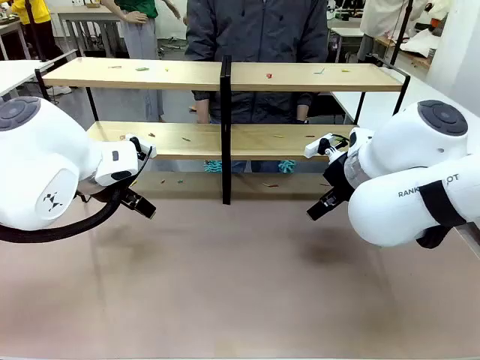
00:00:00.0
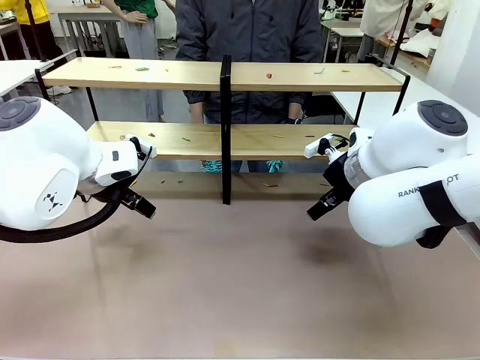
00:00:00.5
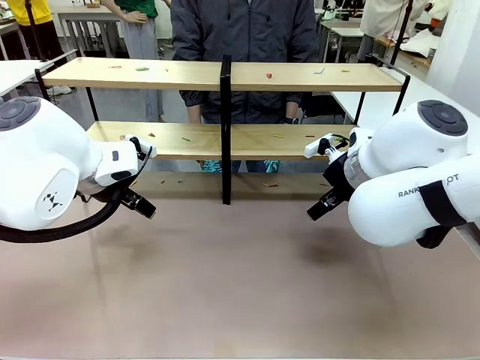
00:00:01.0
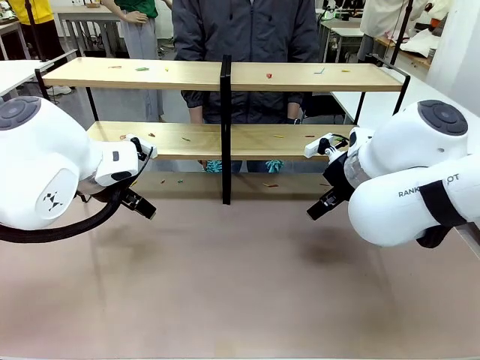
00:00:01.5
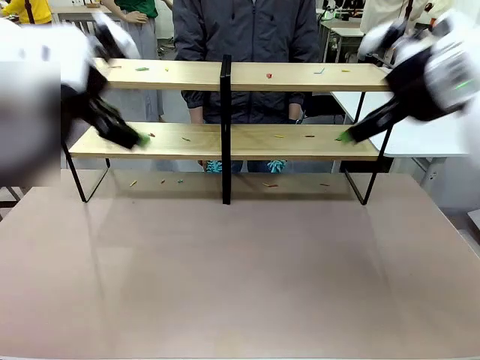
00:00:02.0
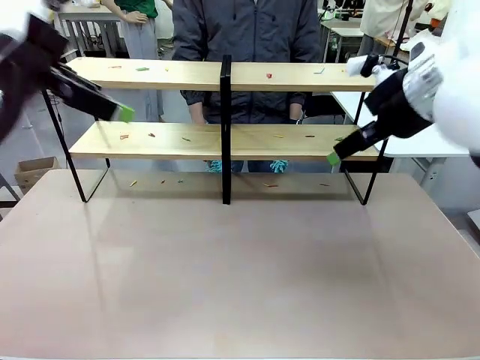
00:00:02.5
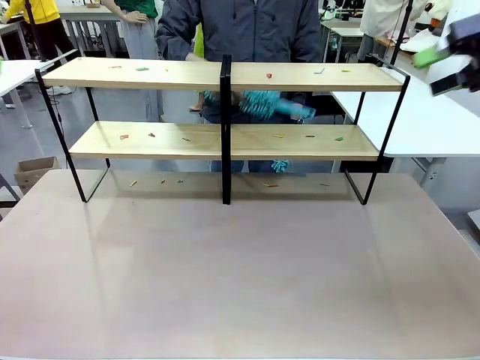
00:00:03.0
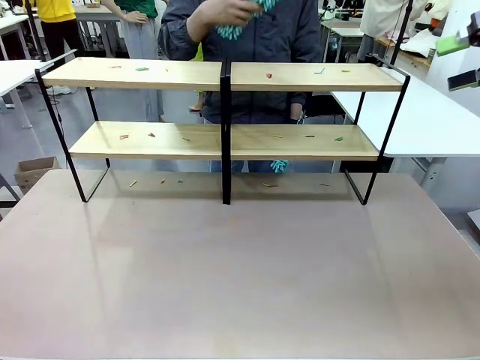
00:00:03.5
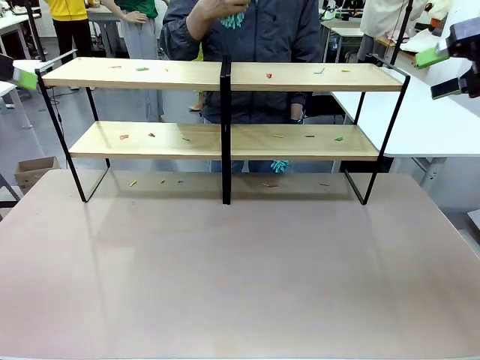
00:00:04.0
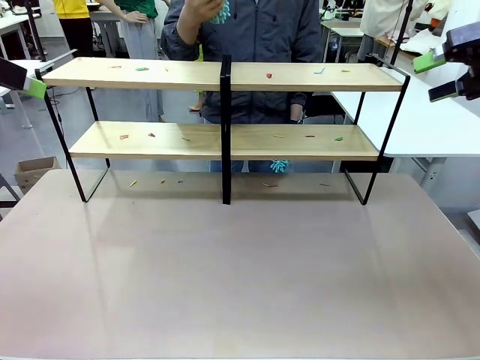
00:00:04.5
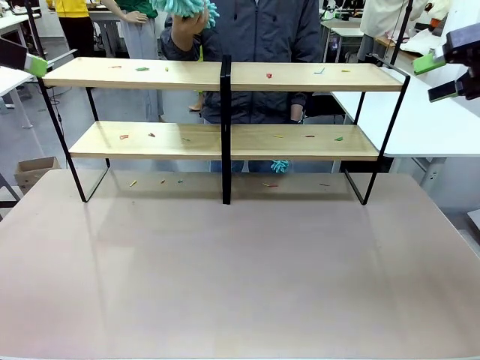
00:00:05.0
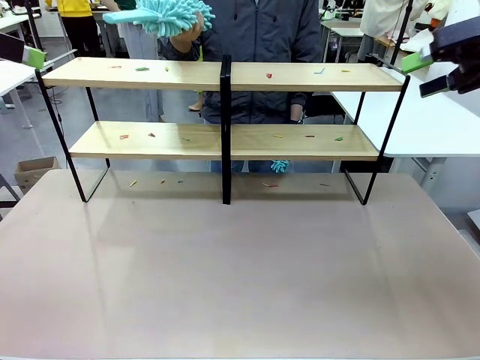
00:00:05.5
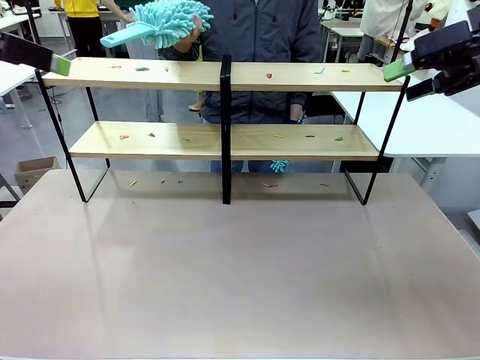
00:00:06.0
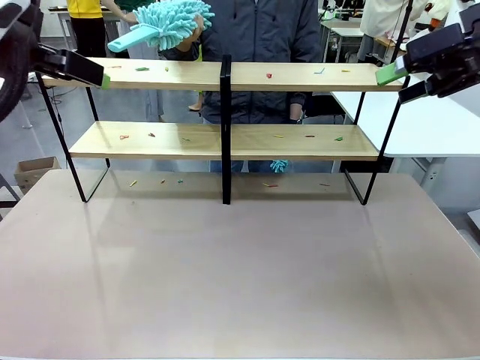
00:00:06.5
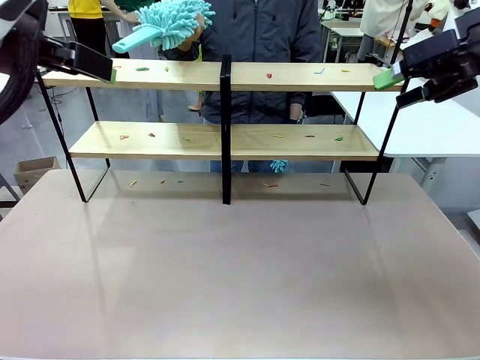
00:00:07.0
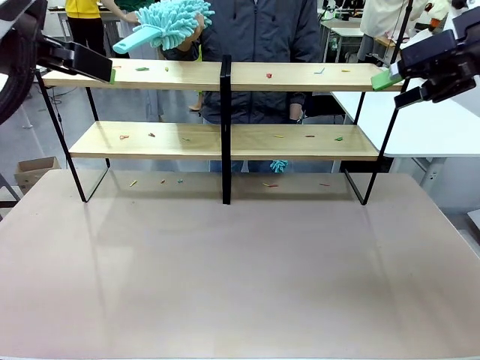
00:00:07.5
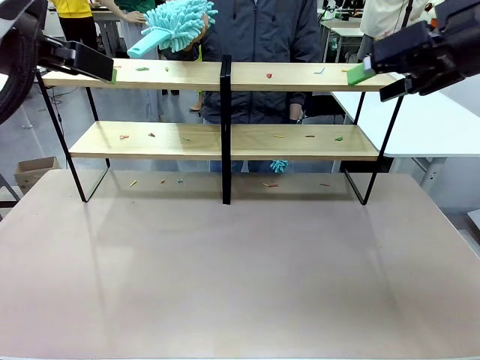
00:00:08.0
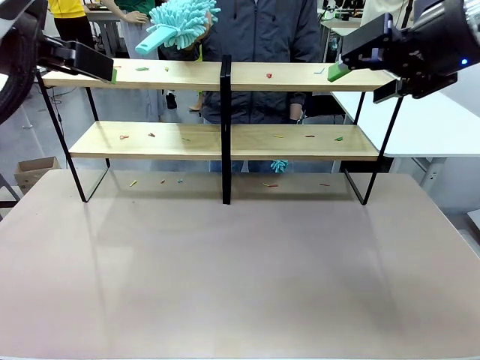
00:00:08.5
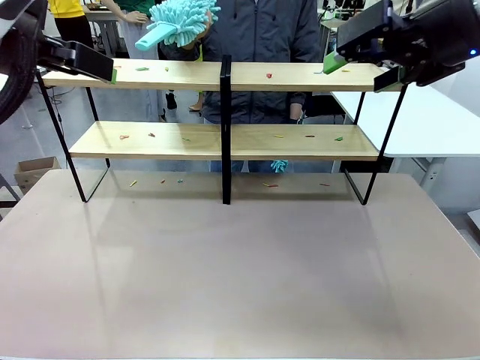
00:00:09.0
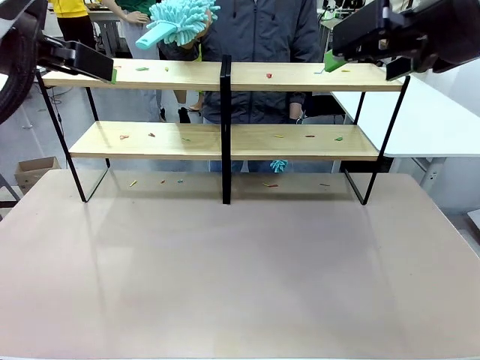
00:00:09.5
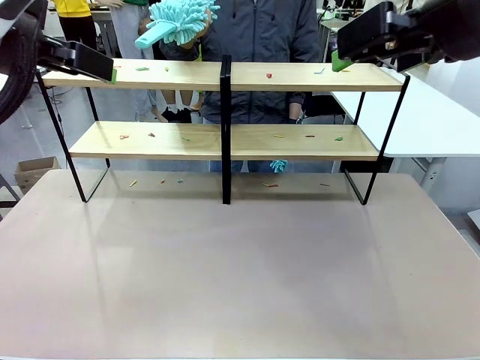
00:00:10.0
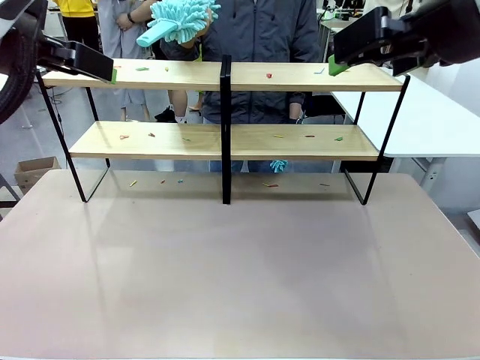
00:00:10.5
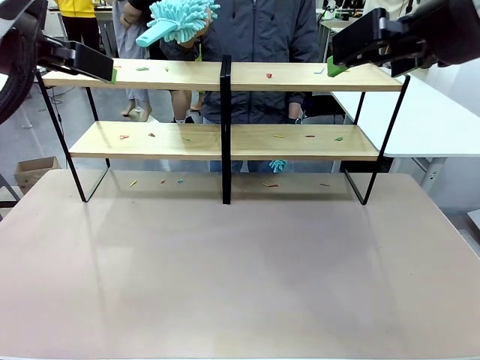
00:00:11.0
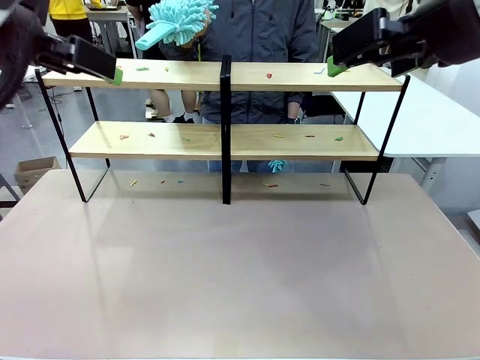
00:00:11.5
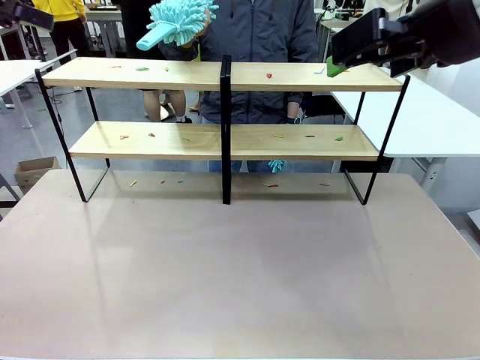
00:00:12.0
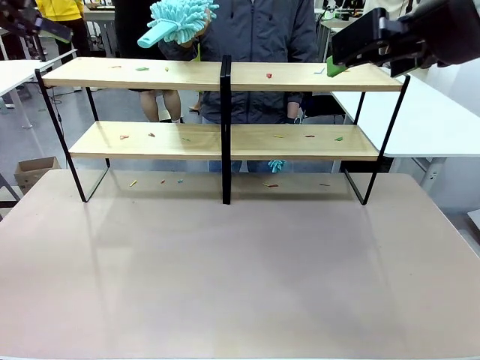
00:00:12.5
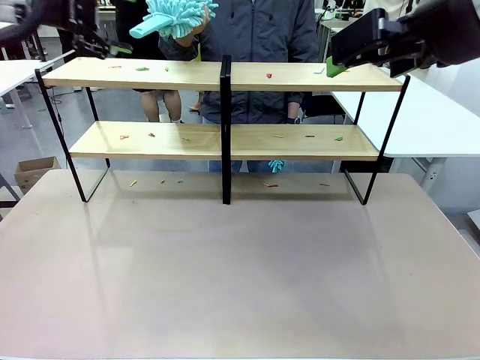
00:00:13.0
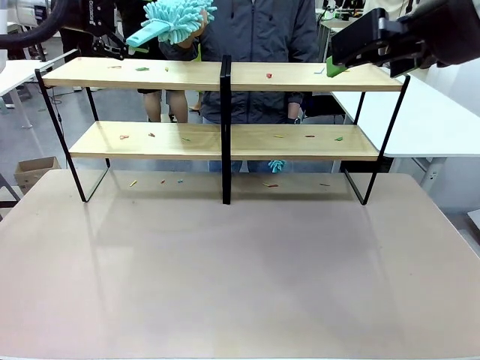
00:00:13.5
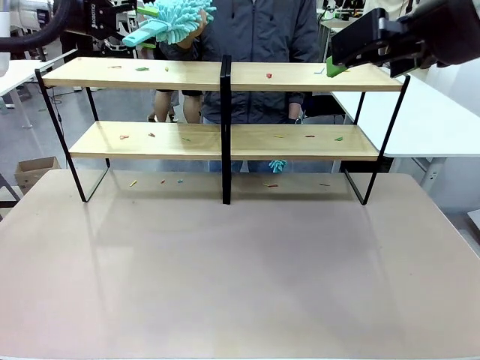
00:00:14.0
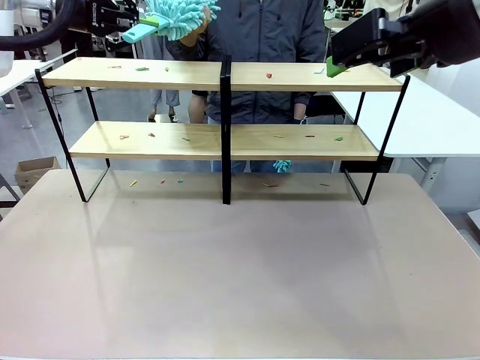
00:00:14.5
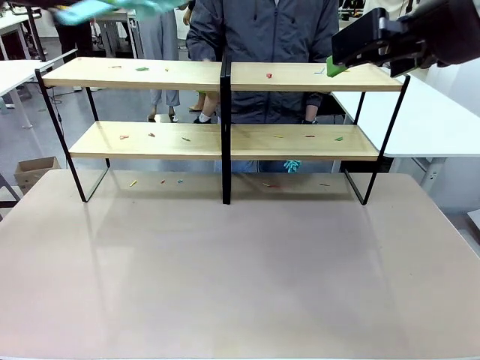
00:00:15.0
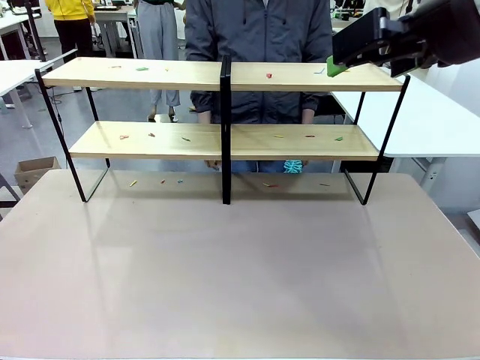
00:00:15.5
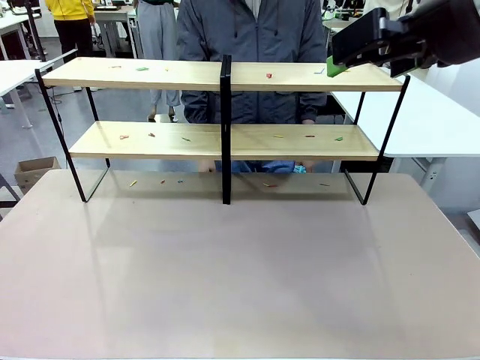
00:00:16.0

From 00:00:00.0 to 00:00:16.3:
Task: Clean the shelves.
Robot: Pick up the Duster when the human hands it over.
Person: Hand the Duster to the robot with your right (or left) hand.

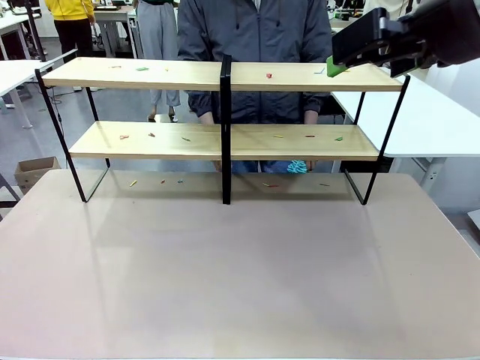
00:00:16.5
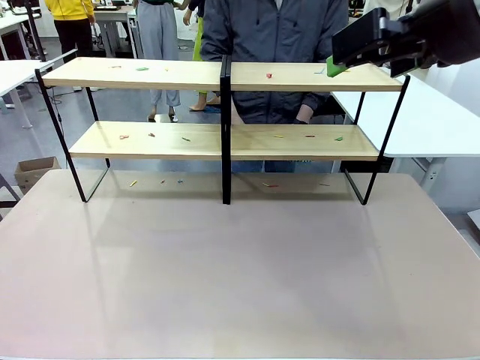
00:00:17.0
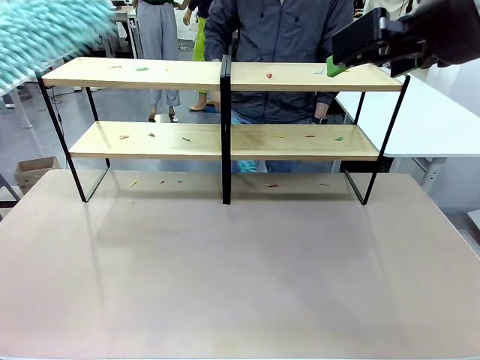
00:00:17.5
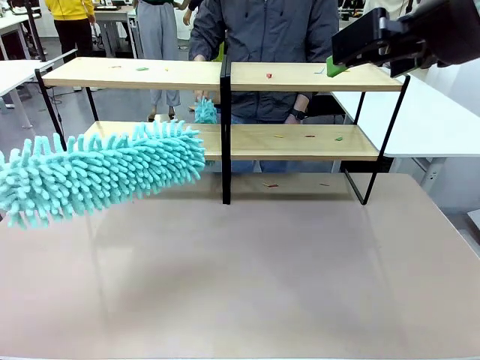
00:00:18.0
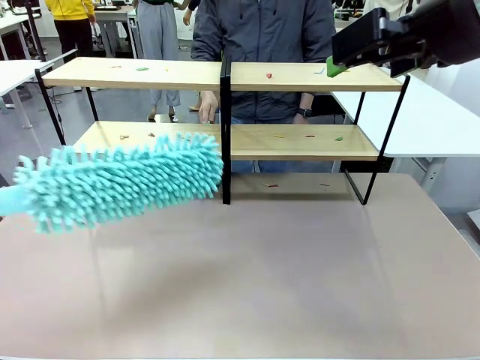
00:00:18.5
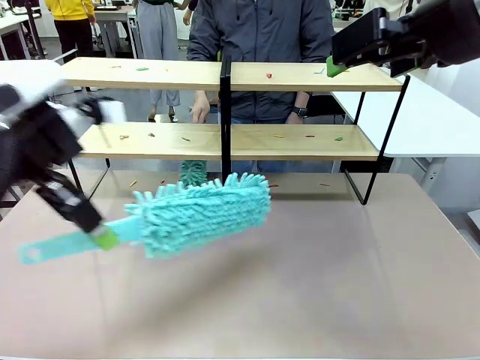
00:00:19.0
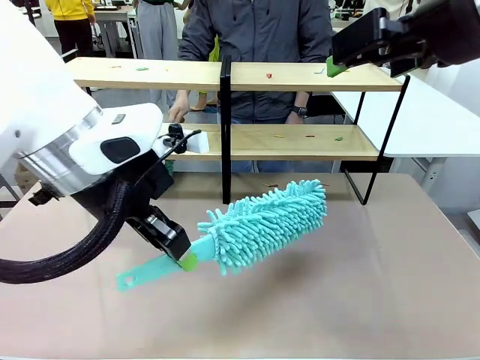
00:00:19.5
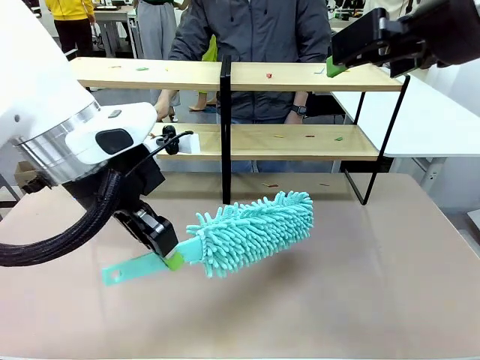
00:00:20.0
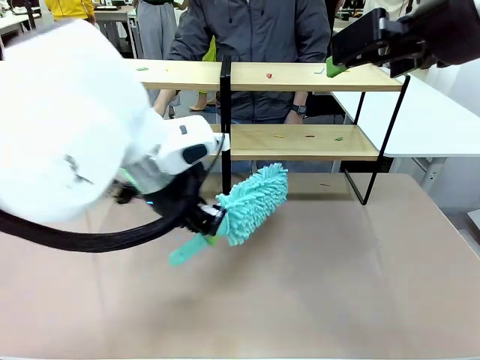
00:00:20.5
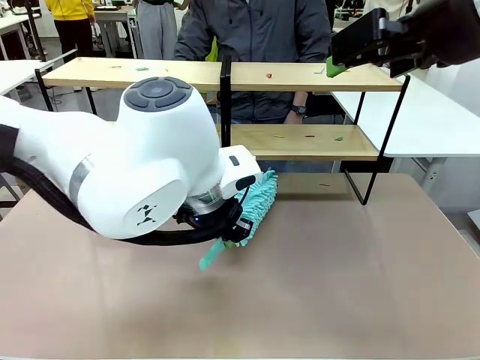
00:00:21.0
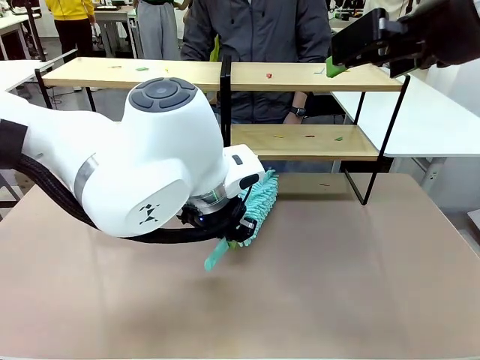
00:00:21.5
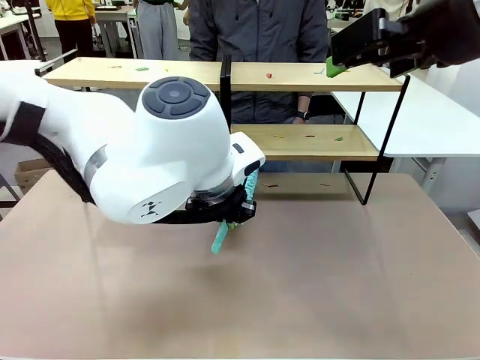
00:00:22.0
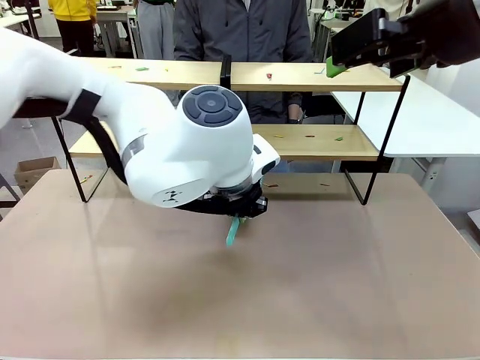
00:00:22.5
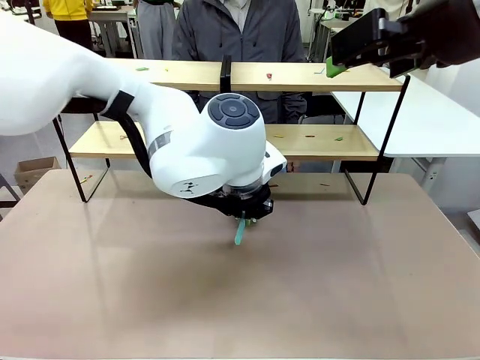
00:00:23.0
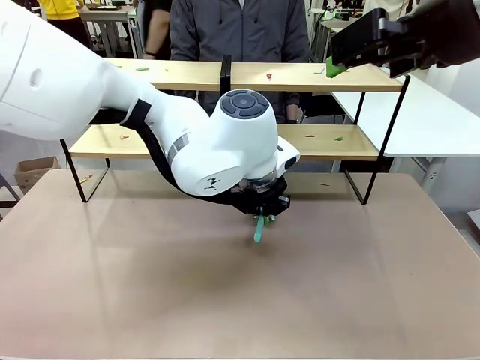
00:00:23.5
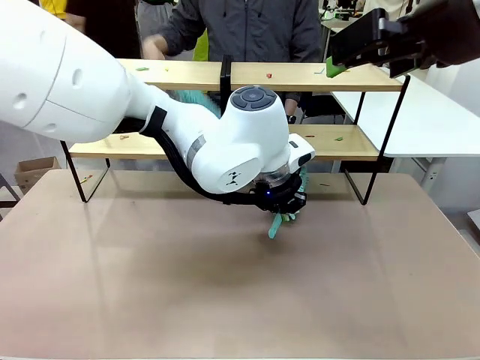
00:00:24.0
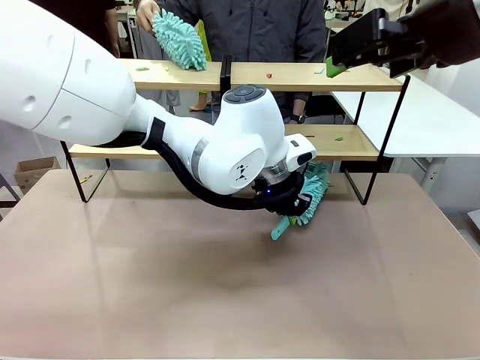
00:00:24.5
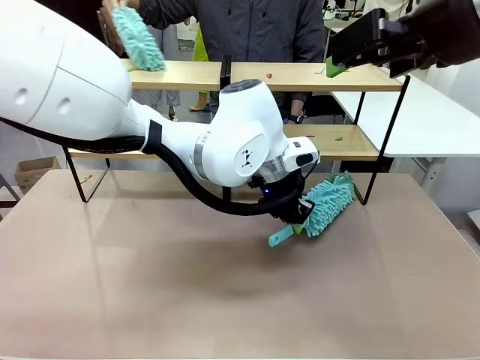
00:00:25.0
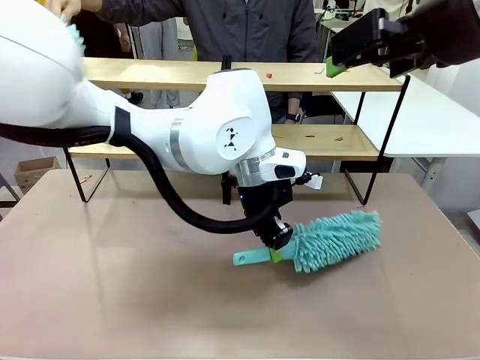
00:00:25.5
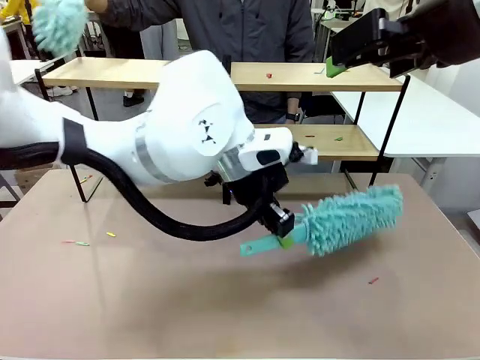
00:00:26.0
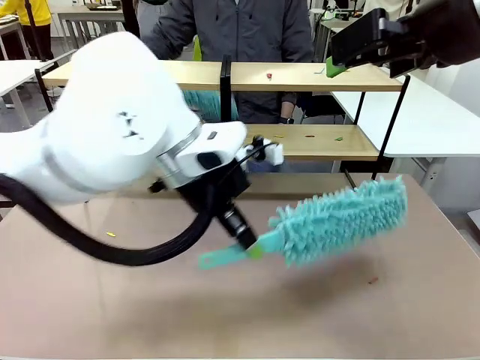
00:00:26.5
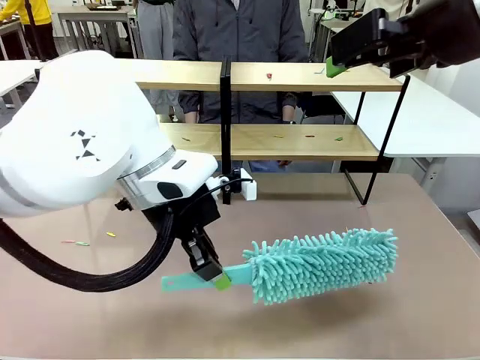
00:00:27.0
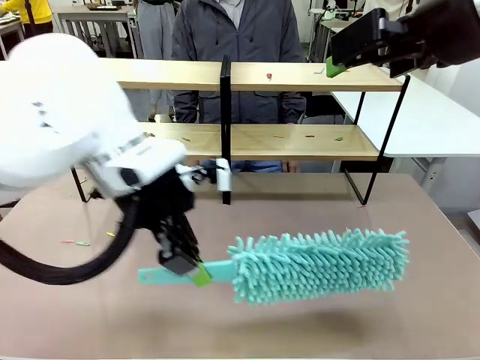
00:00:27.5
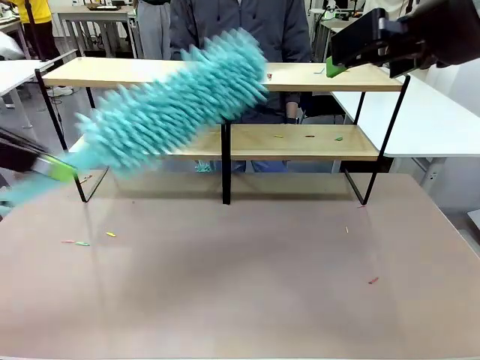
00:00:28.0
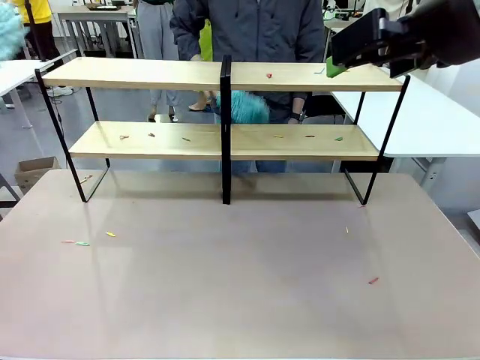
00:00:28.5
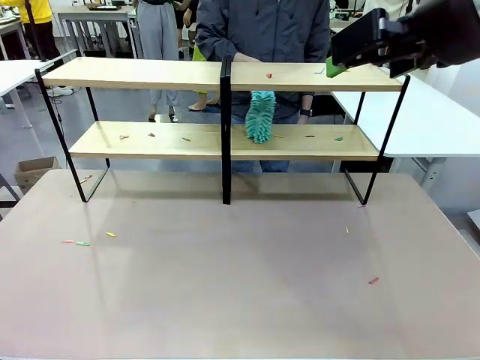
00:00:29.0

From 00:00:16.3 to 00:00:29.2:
Robot: Clean a randomly selected level of the Shelf with the Duster.
